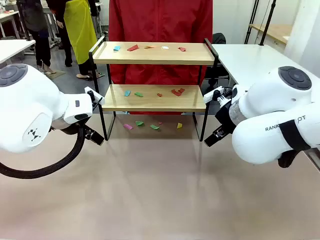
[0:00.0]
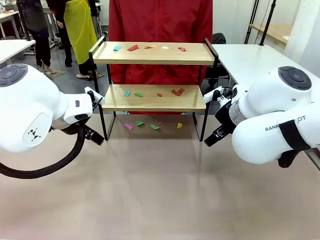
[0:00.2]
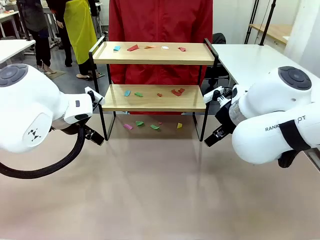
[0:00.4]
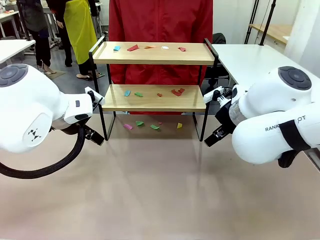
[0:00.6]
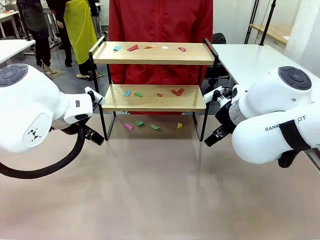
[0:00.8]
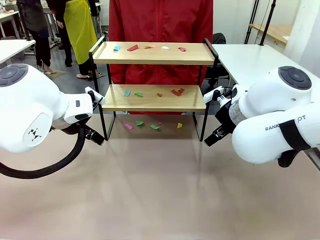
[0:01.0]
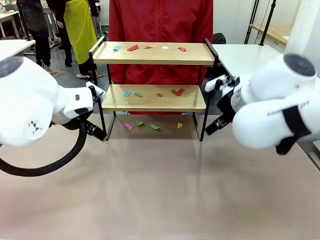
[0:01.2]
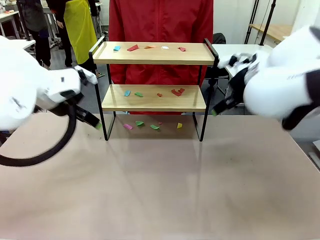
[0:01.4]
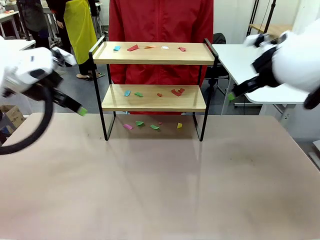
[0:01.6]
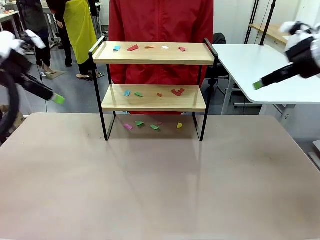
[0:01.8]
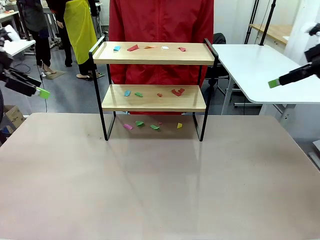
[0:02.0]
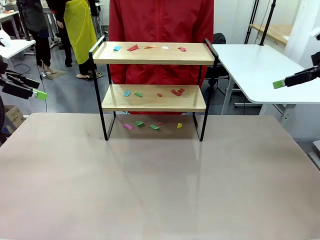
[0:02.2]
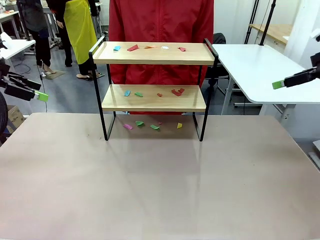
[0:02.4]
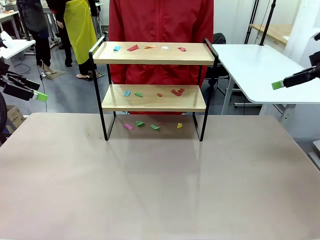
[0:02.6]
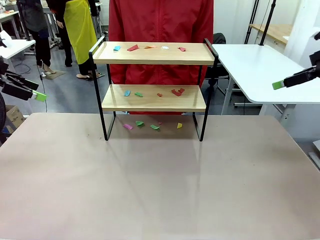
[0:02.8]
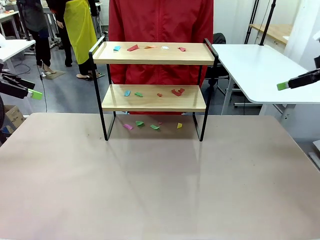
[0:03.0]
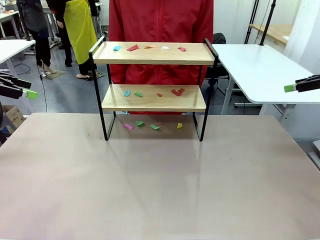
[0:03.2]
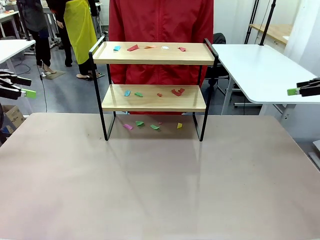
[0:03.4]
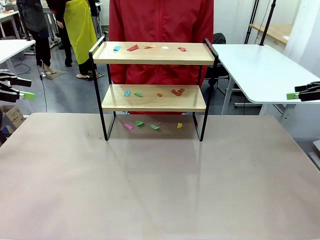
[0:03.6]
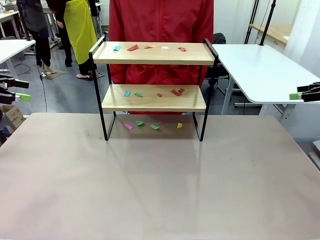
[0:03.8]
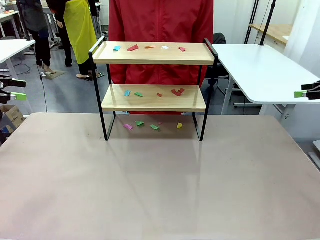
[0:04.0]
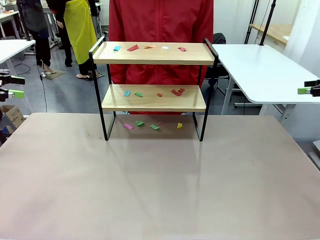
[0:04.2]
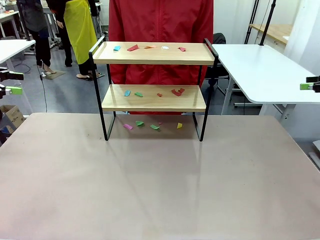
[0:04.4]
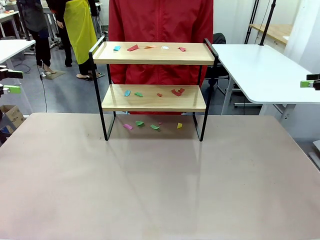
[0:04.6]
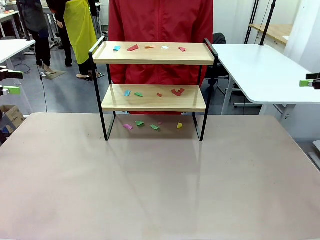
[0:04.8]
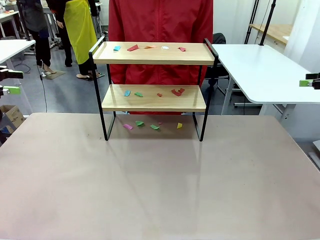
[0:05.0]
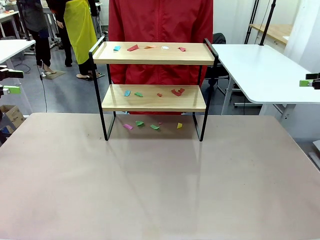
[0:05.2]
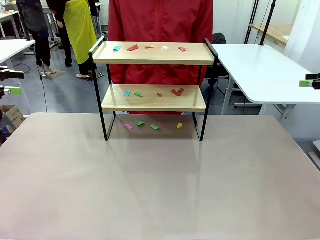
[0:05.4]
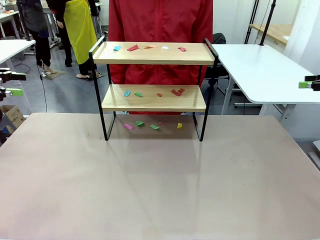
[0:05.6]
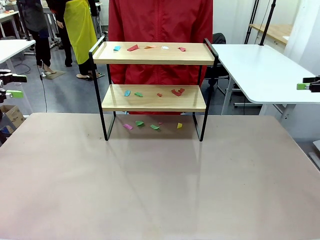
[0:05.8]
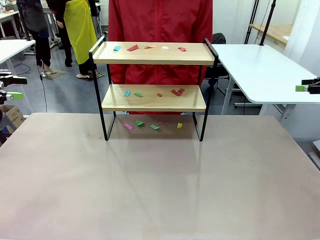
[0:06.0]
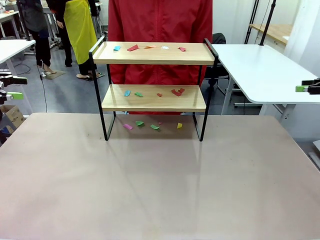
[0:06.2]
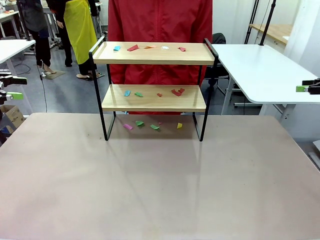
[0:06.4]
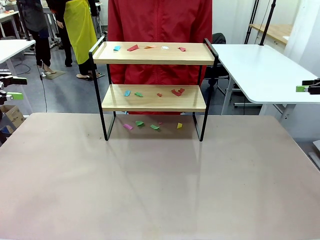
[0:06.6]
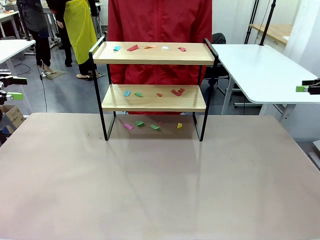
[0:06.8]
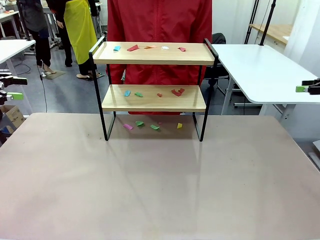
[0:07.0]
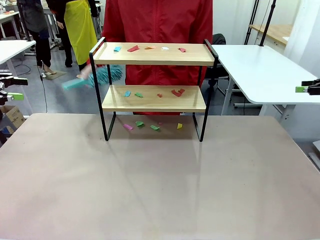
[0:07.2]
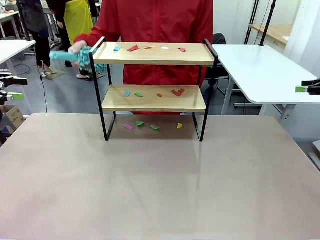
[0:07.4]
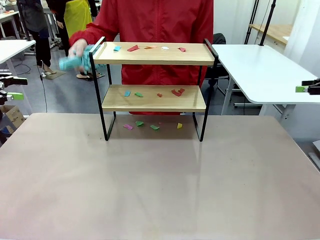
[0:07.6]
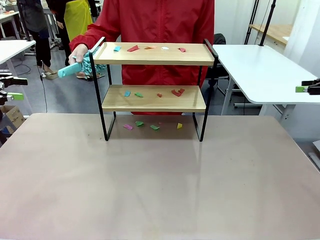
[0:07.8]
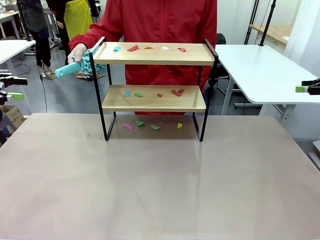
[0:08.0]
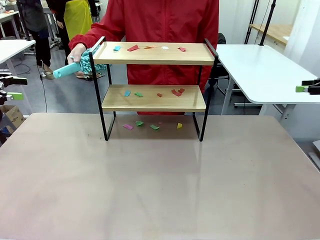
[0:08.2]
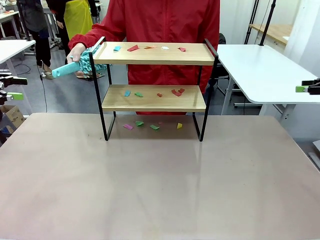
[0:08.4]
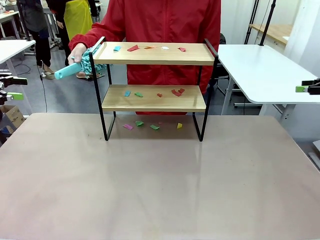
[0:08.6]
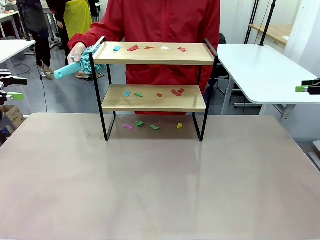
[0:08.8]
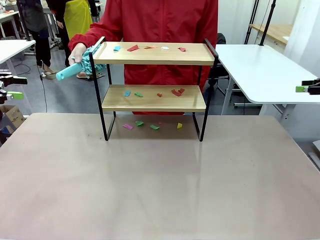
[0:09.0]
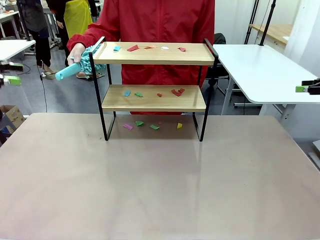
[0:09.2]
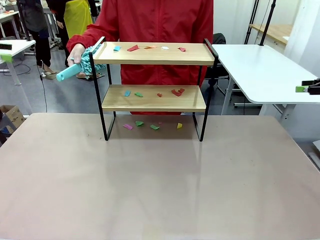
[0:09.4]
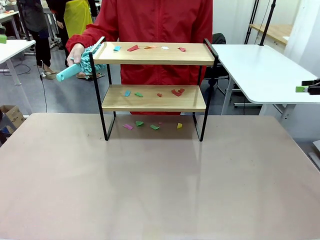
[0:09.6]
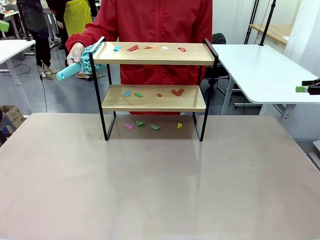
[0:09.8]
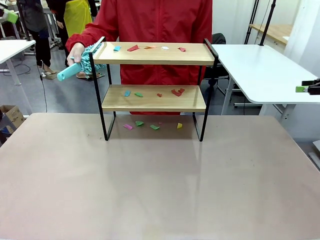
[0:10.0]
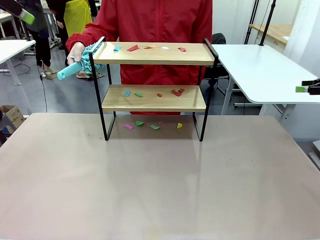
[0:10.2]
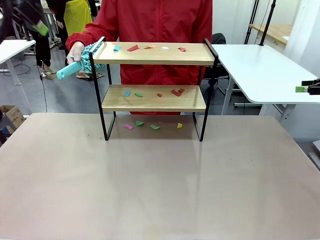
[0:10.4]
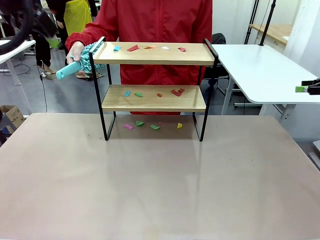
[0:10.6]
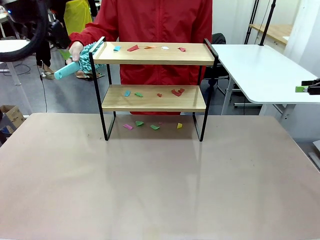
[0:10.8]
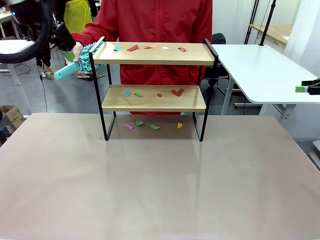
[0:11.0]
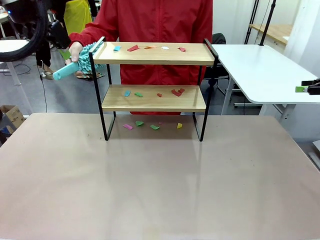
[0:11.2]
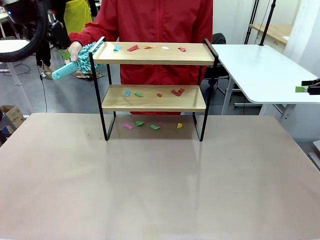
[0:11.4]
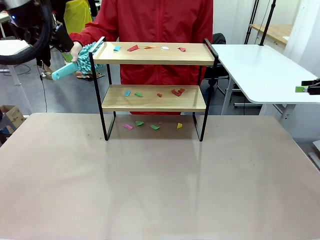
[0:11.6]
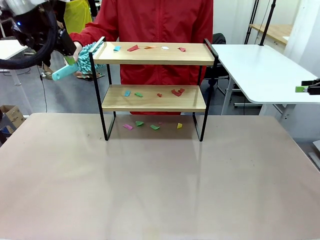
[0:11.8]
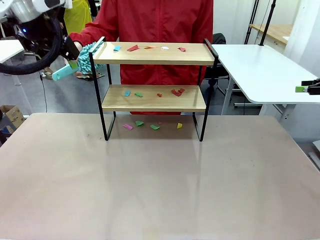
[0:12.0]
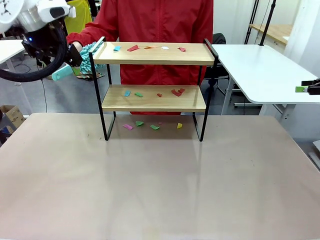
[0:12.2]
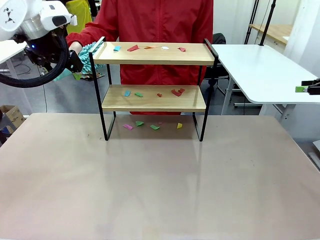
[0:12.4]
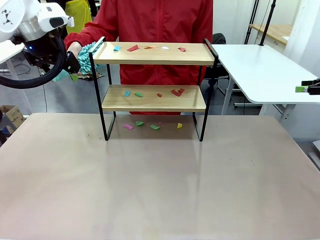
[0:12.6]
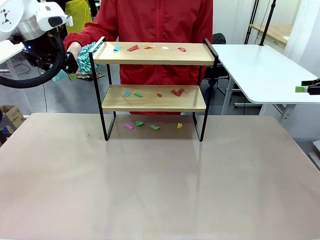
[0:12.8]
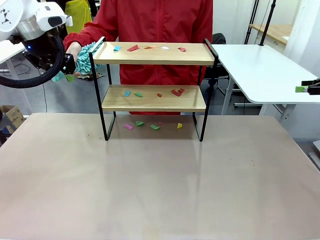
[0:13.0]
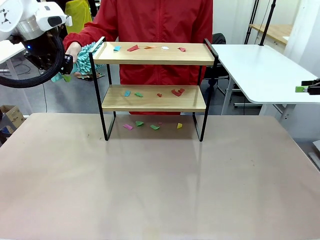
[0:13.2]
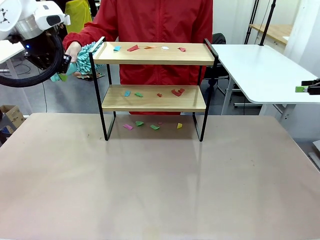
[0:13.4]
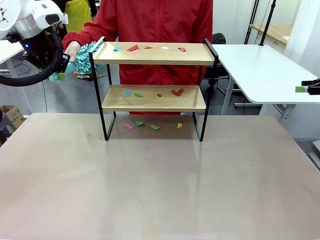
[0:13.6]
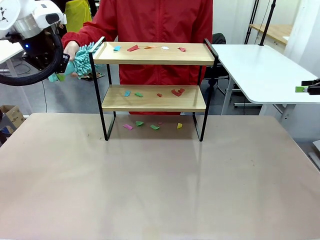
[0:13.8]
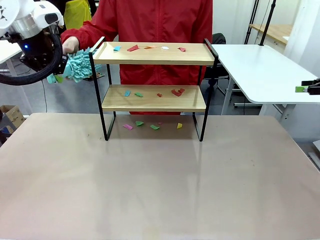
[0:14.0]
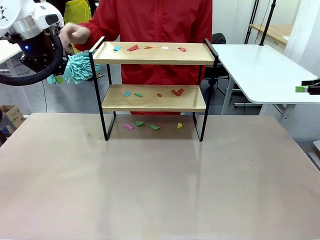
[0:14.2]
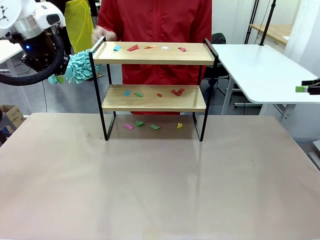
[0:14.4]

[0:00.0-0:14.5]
Task: Clean the shelf.
Robot: Pick up the Duster handed by the human.
Person: Hand the Duster to the robot.
